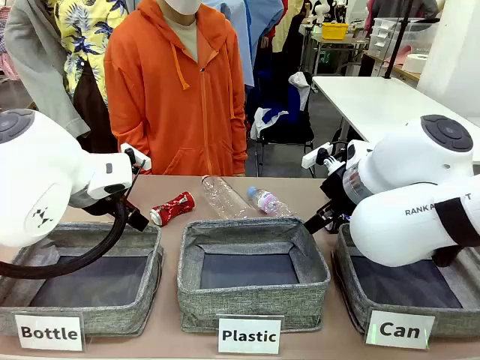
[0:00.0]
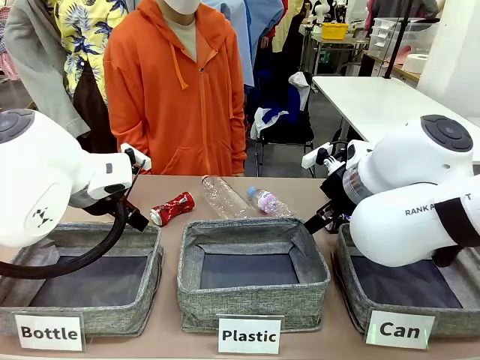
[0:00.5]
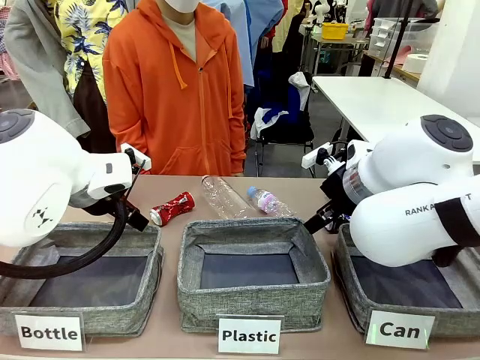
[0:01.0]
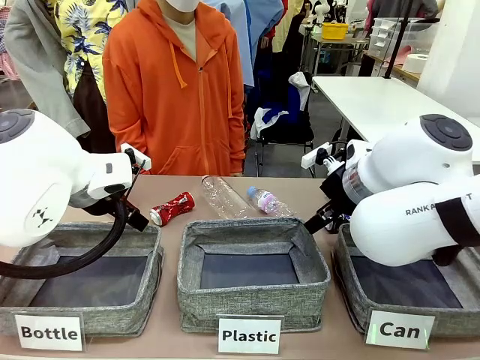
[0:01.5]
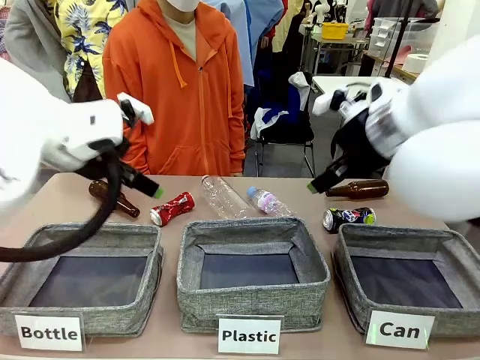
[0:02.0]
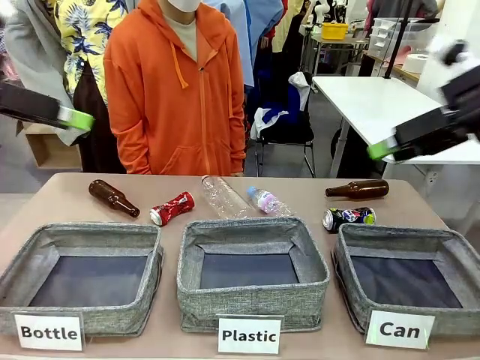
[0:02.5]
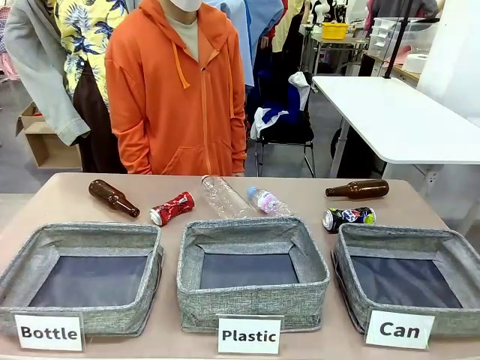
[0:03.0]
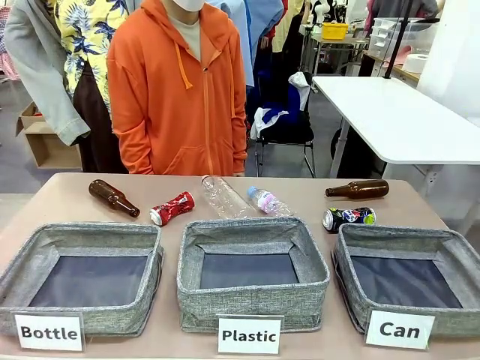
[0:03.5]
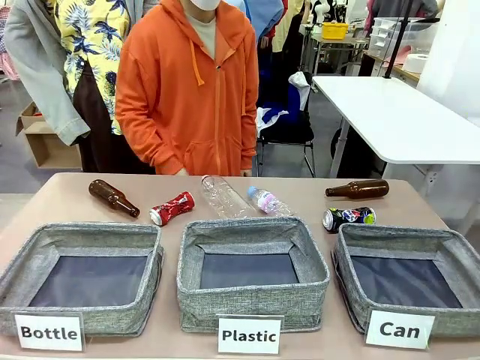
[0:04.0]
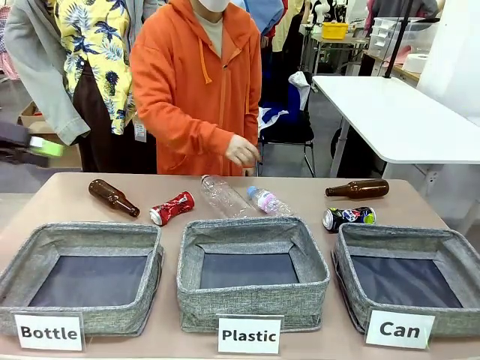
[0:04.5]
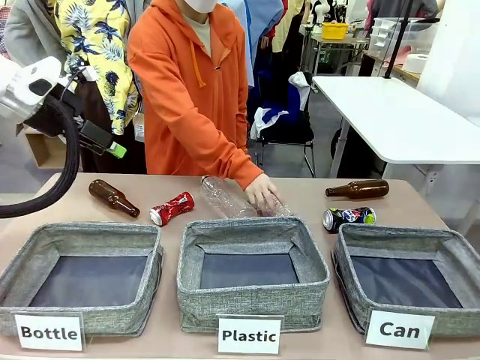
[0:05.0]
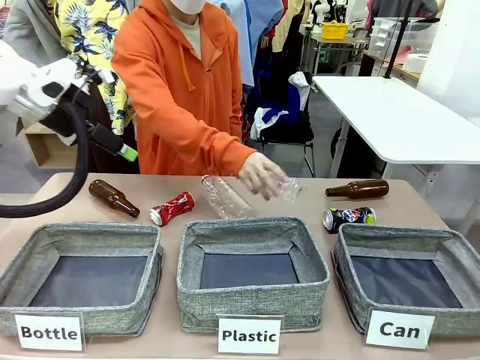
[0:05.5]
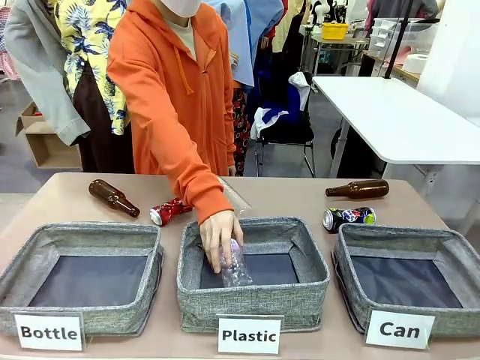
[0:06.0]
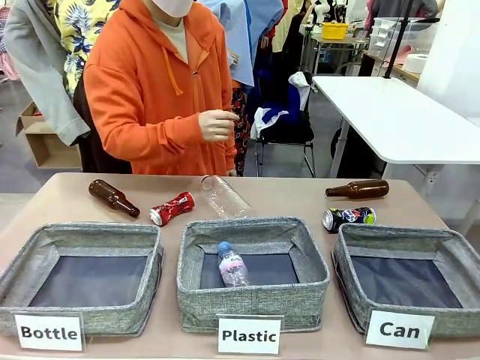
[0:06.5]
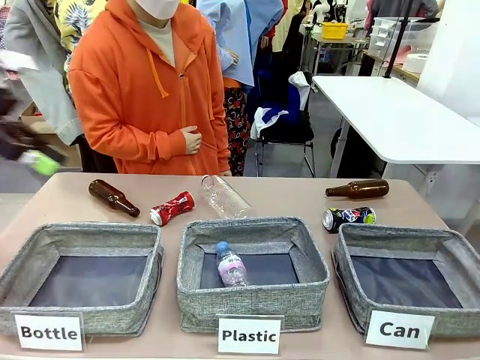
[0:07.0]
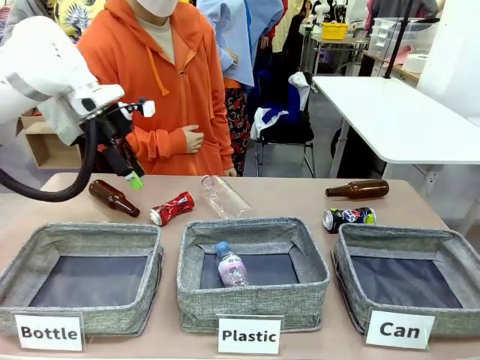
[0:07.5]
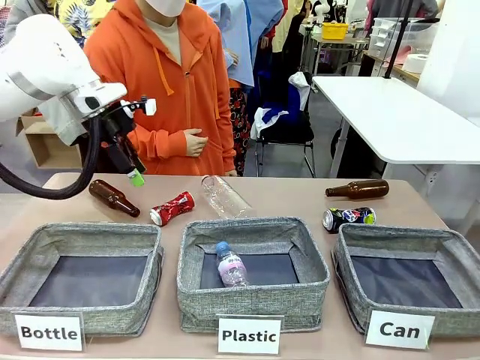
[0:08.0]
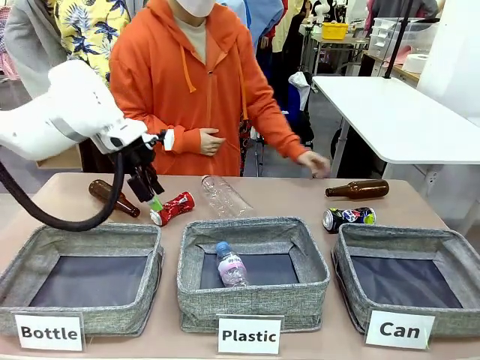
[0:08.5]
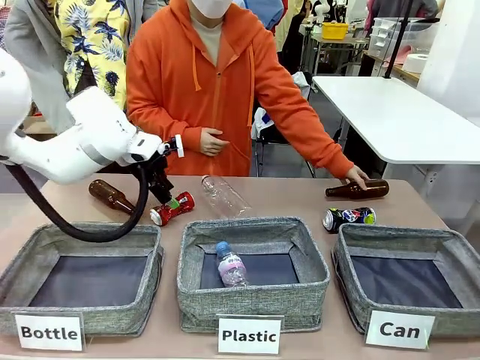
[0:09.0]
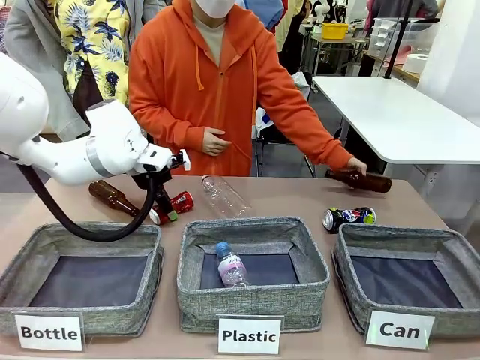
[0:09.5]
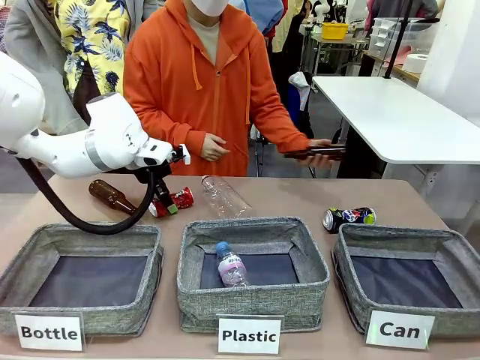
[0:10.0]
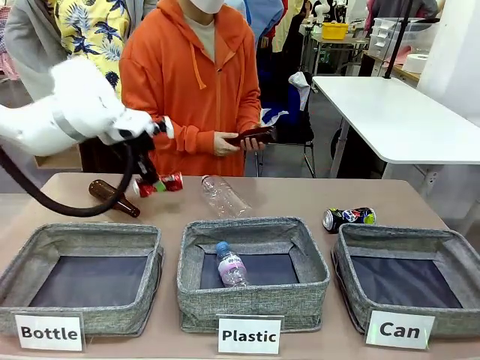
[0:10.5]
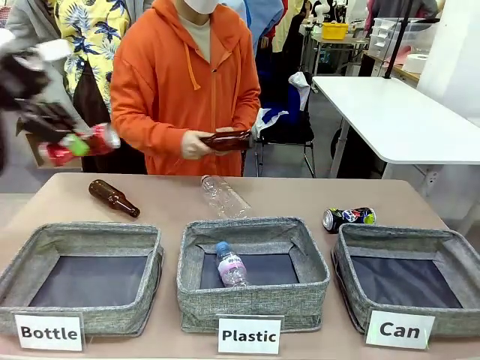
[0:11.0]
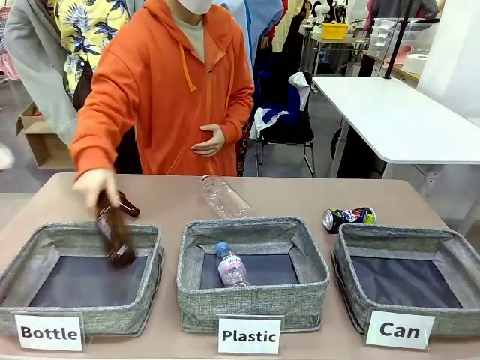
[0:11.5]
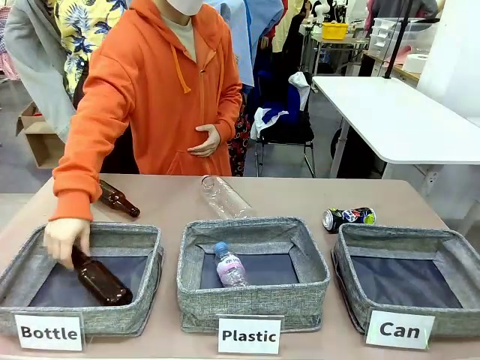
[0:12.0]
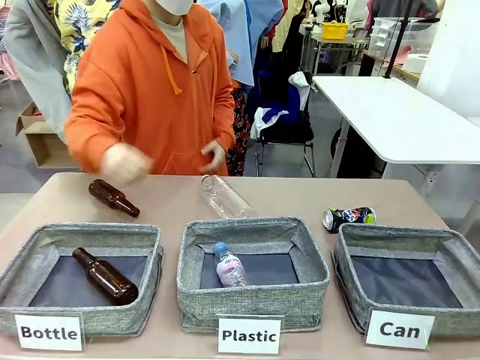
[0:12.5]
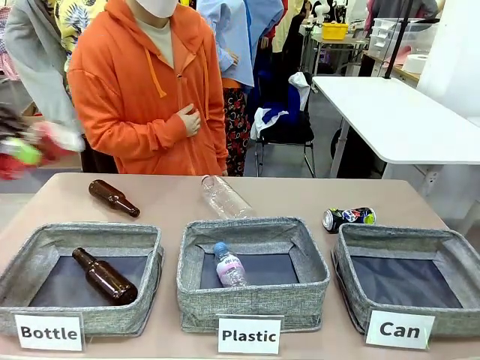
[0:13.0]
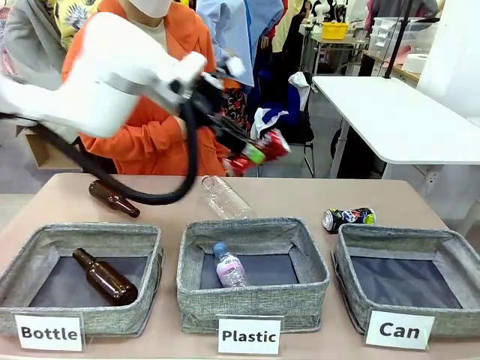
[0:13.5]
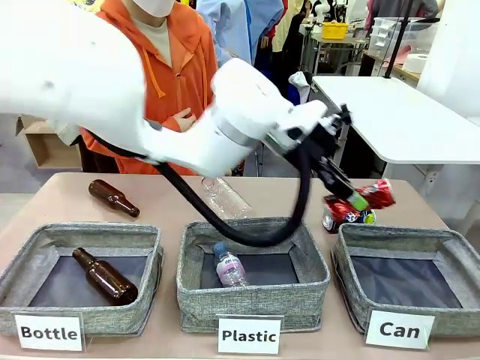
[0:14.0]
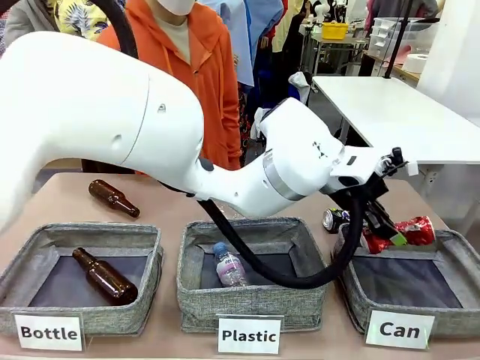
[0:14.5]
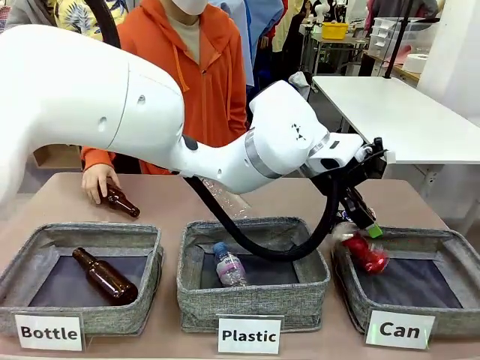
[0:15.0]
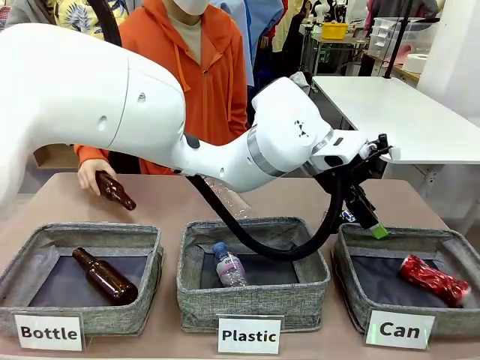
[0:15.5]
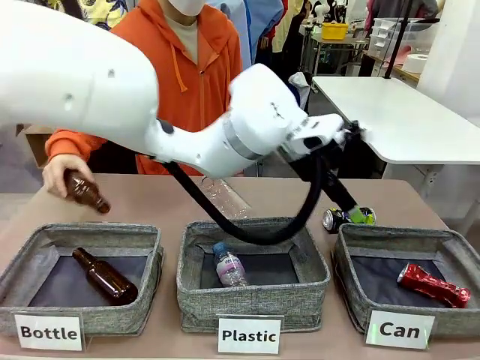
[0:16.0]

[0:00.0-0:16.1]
Task: Sort the can waste into the basket.
Robot: Pick up the can waste from the table and place it in the right Fabric basket.

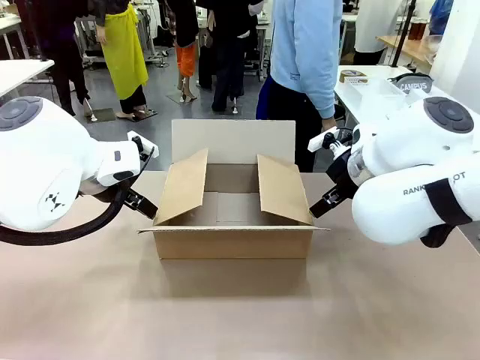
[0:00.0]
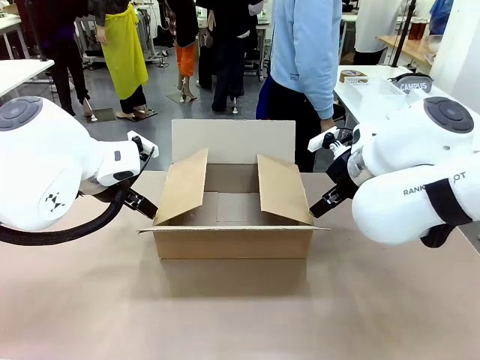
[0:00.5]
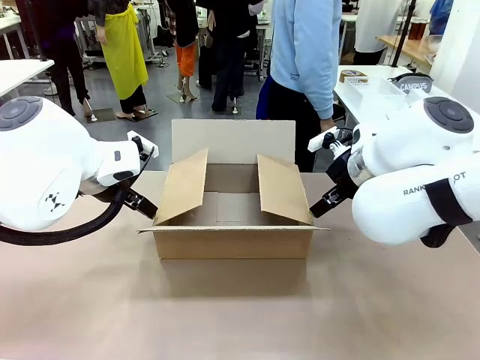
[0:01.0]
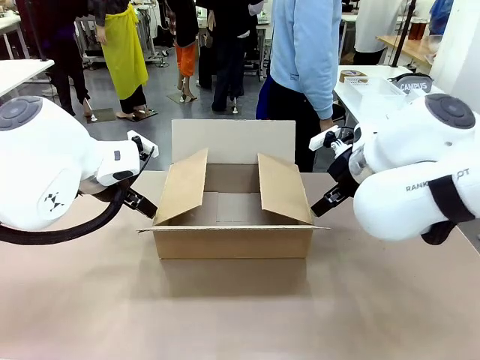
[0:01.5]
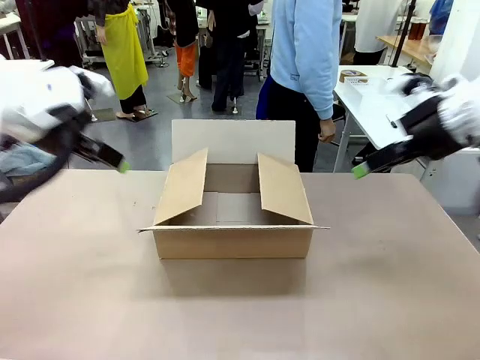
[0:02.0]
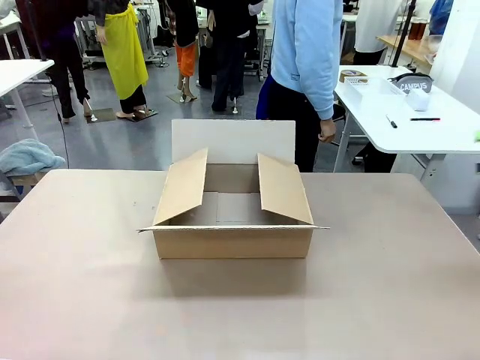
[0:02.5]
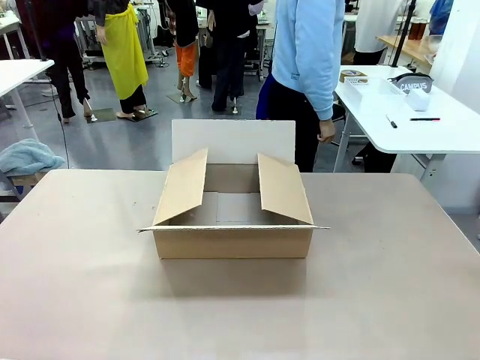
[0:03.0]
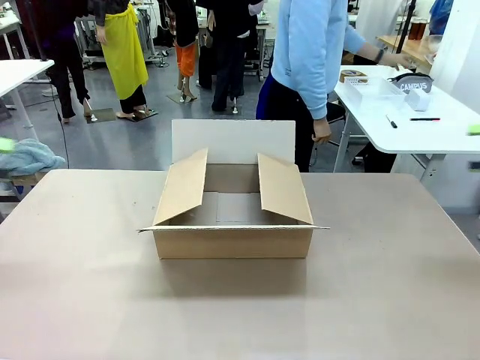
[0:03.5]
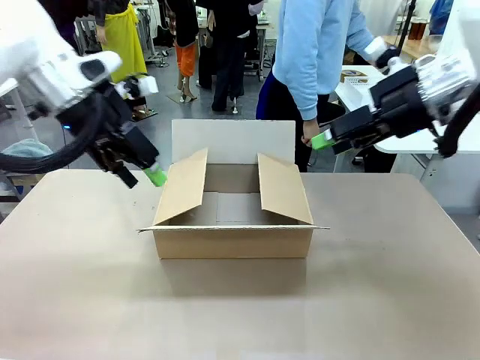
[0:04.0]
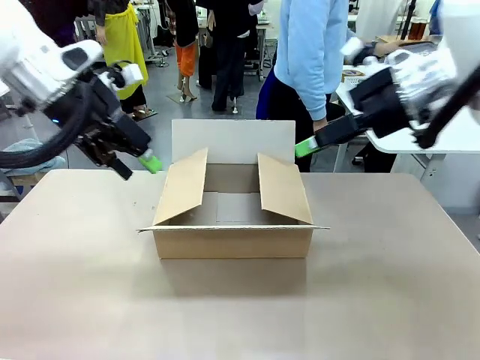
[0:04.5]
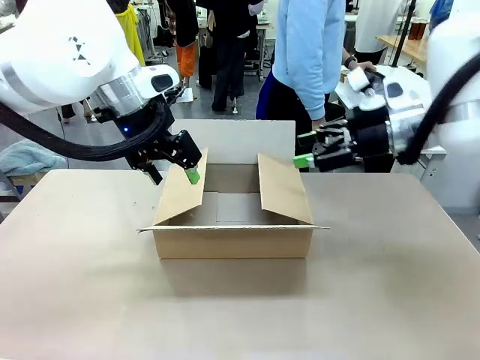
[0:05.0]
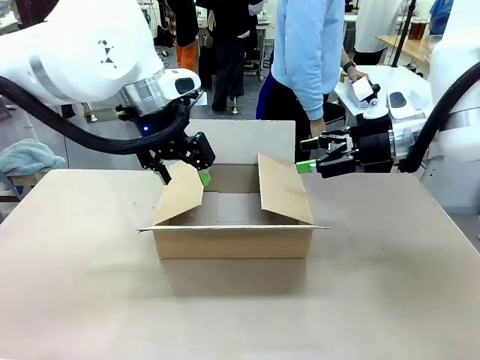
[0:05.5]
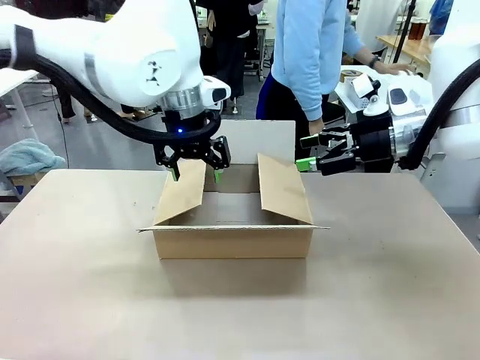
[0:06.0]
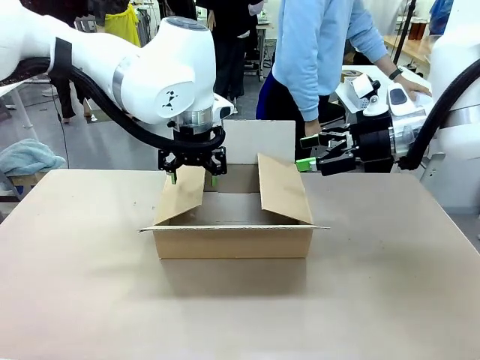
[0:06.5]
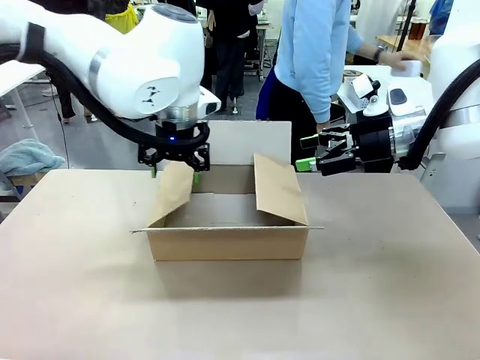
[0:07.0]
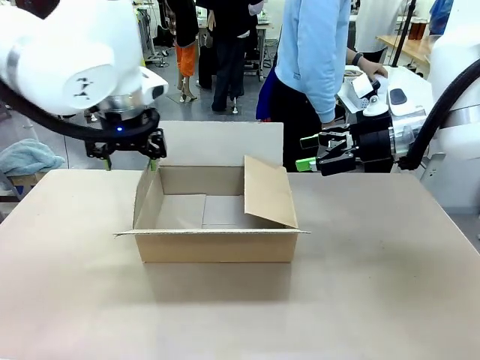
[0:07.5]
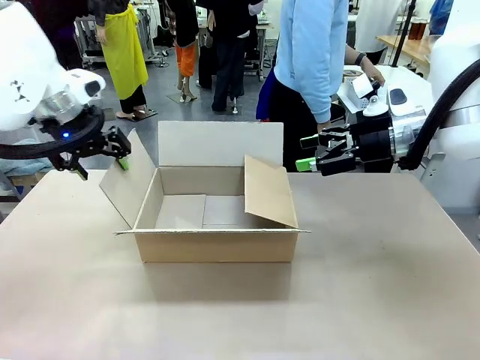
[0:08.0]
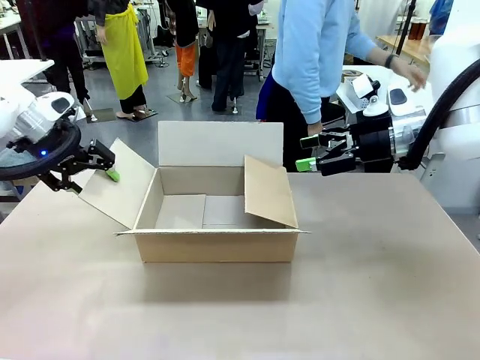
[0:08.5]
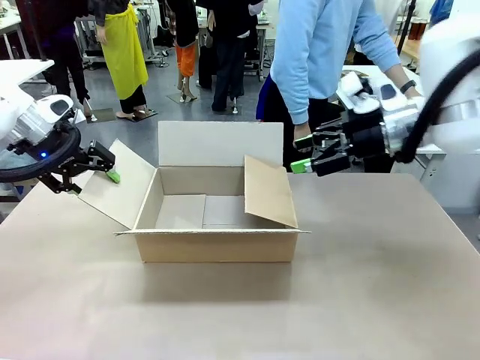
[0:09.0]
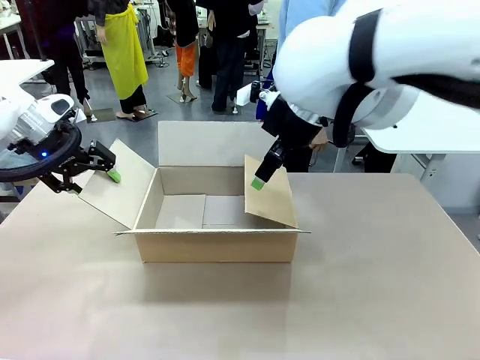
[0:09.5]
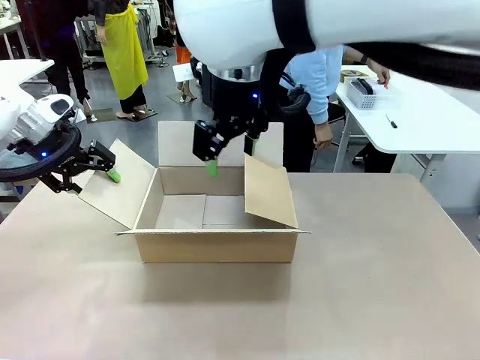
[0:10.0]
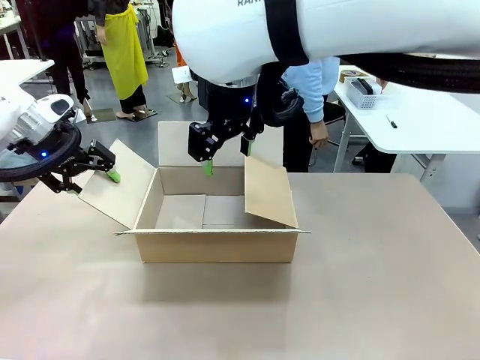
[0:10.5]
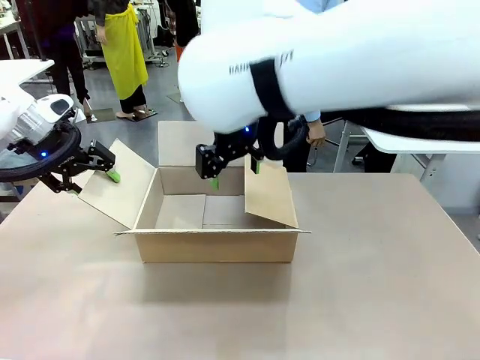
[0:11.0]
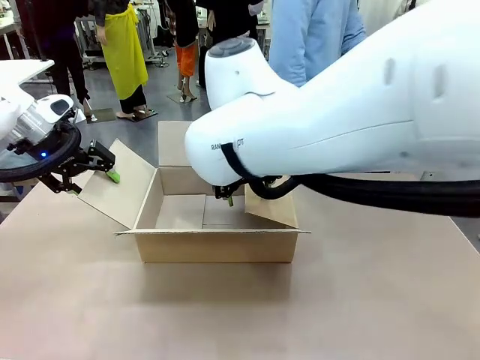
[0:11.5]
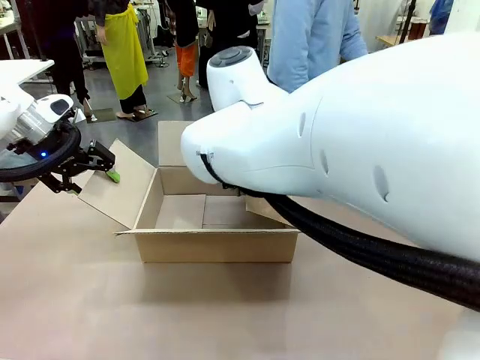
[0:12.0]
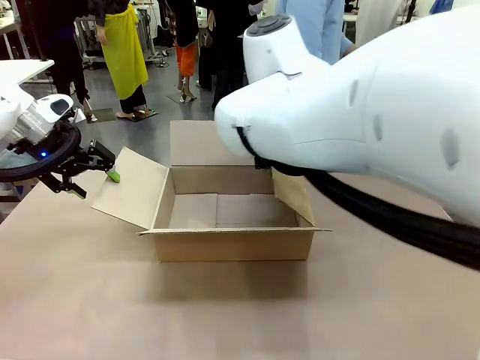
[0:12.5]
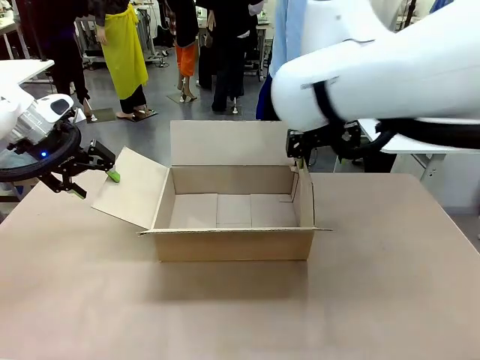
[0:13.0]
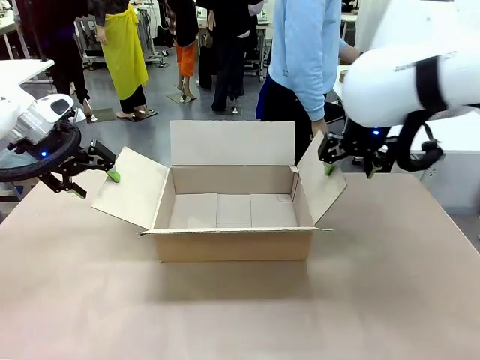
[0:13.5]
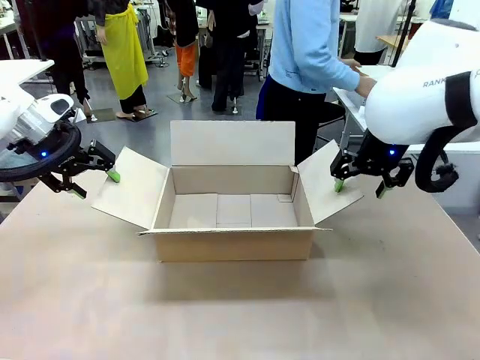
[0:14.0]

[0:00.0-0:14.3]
Task: Pack the gift set into the box.
Robot: Place both hands on the side flaps of the Package Box and spread them outward.
Person: The human places all items except the paper tape into the organizing basket.
